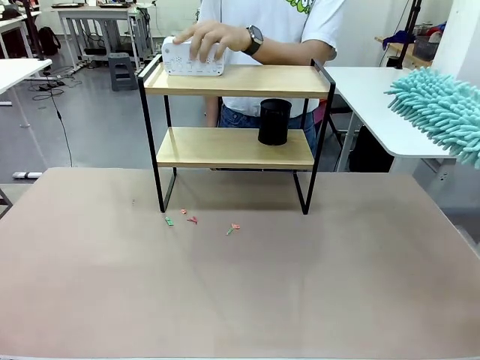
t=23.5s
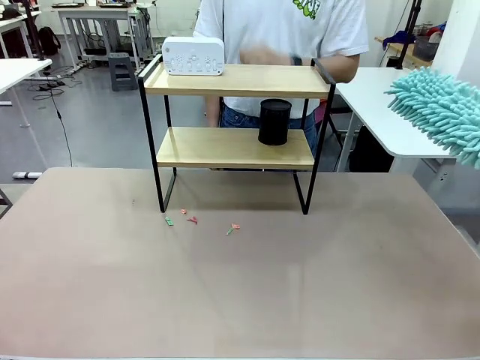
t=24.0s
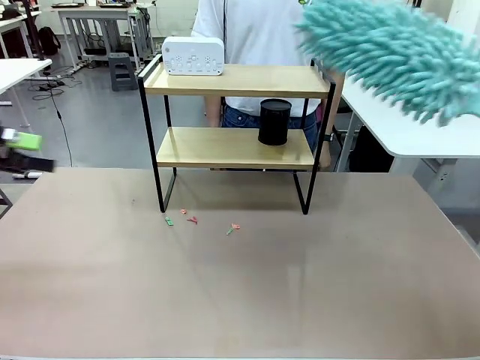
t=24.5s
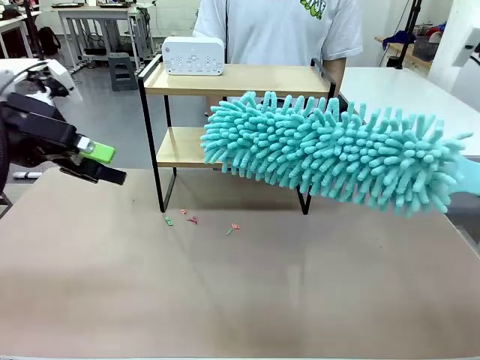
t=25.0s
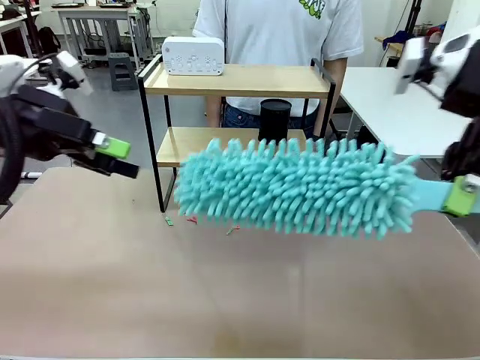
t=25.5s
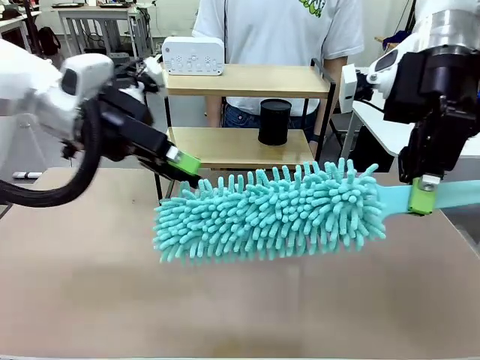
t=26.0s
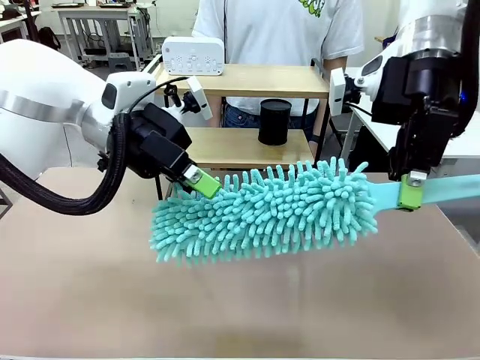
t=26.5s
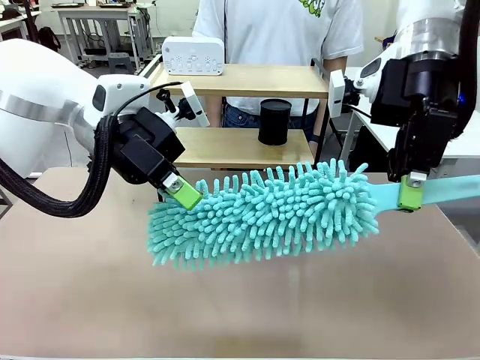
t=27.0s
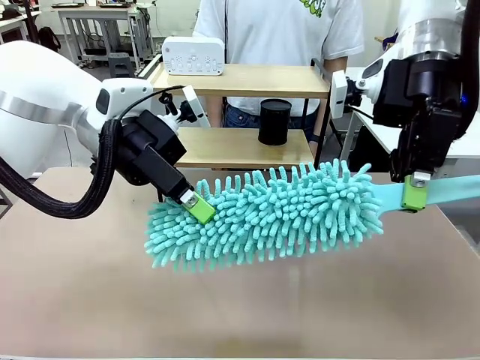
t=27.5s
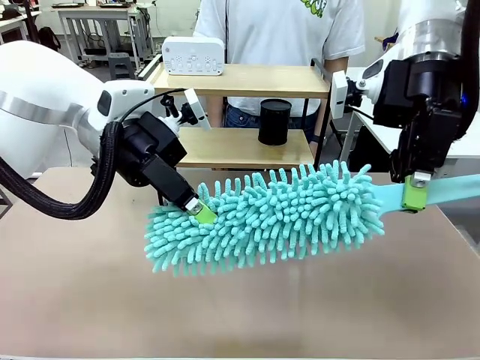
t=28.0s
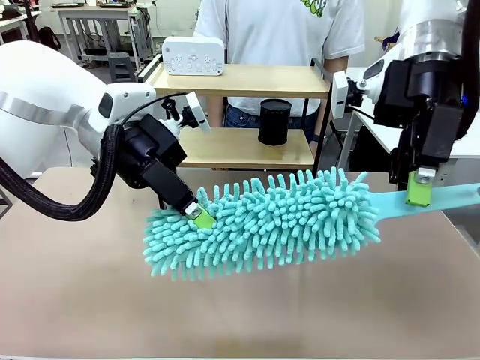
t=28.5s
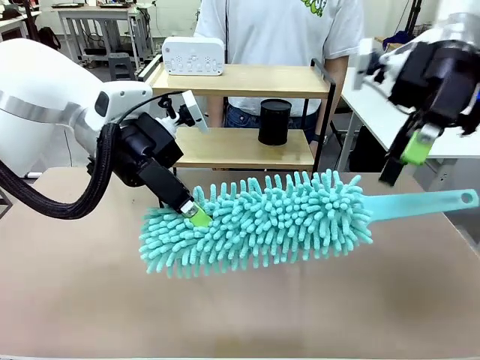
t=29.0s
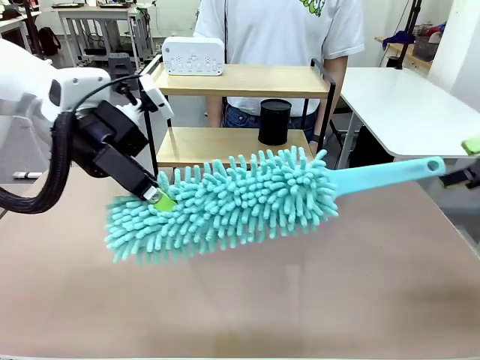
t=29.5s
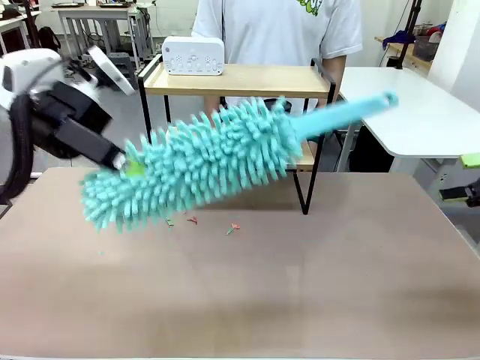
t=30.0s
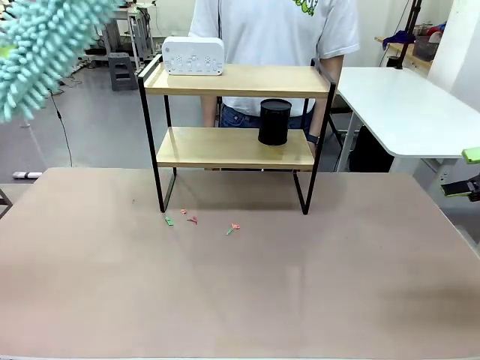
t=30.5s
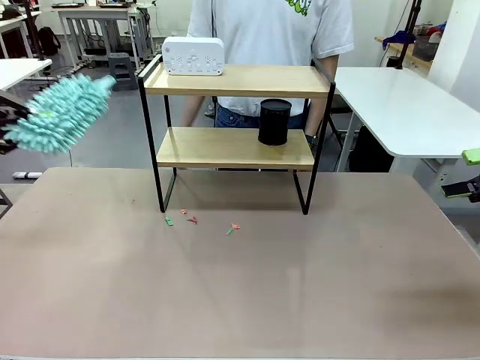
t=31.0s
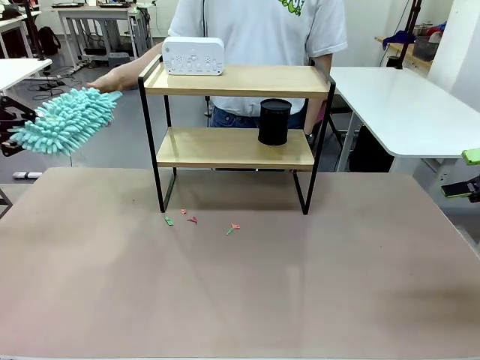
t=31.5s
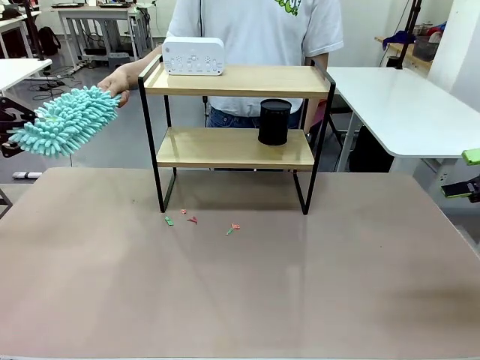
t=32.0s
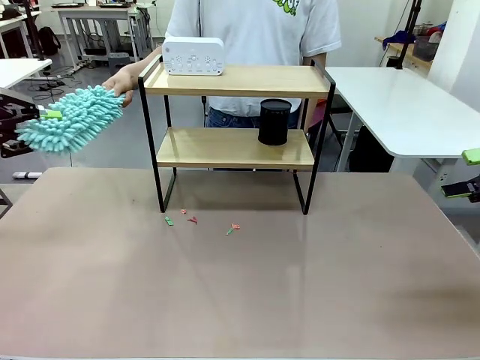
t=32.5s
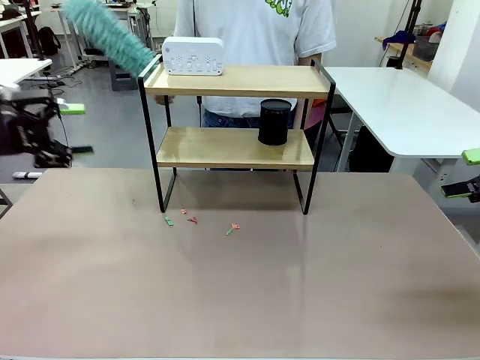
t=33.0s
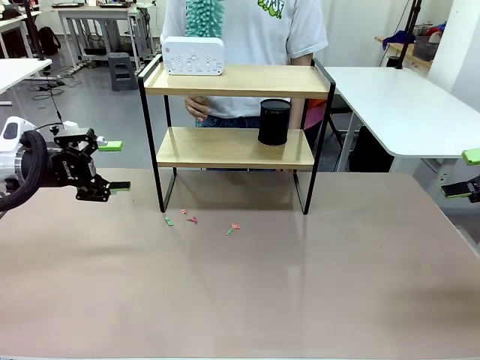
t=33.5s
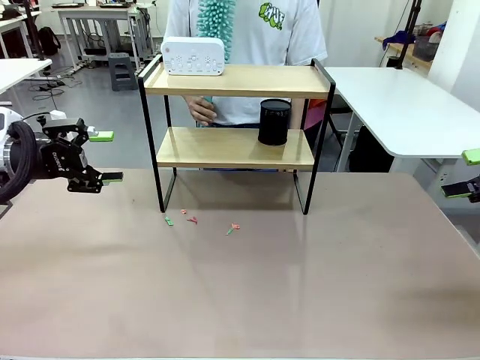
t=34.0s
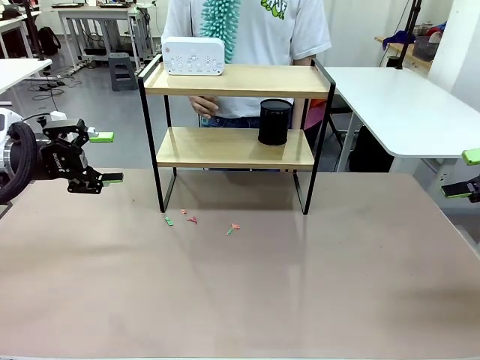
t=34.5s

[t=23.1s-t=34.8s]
Task: Clean the shelf.
Robot: Hand the Duster back to the human.
Person: Receive the Duster from the robot.

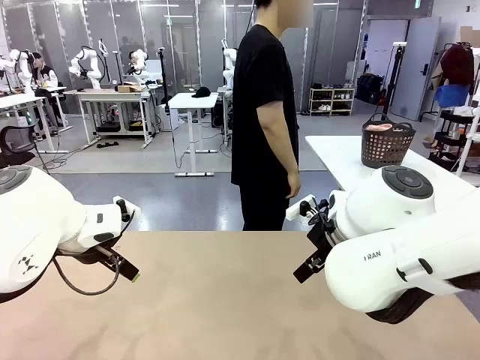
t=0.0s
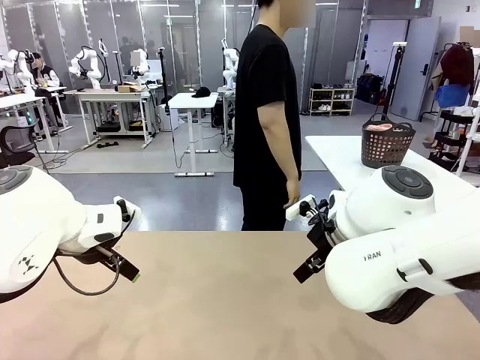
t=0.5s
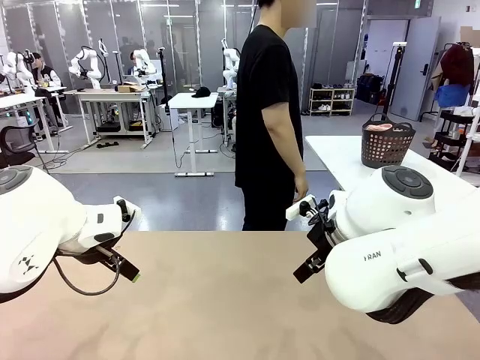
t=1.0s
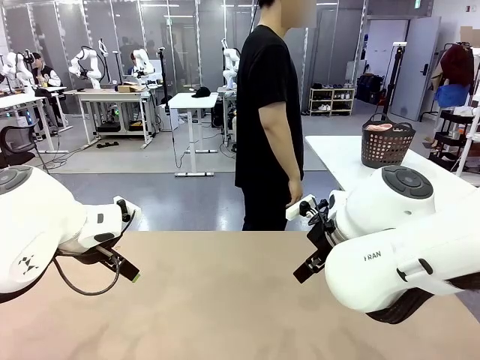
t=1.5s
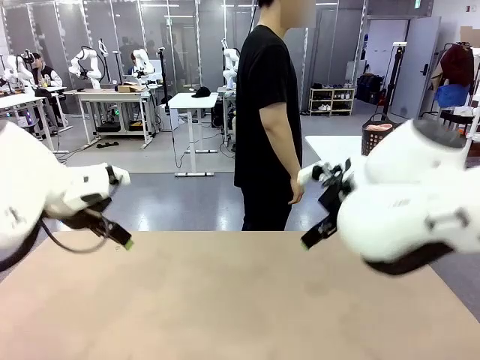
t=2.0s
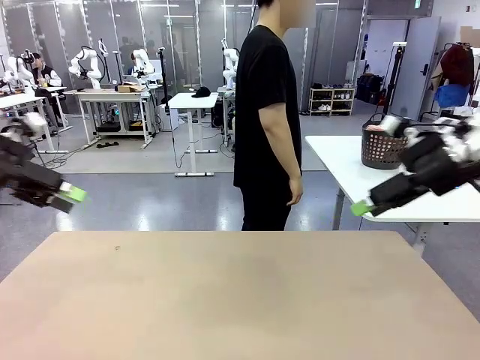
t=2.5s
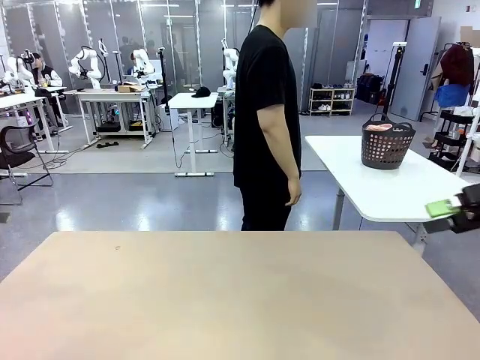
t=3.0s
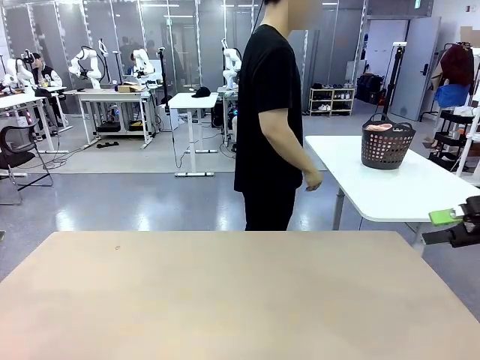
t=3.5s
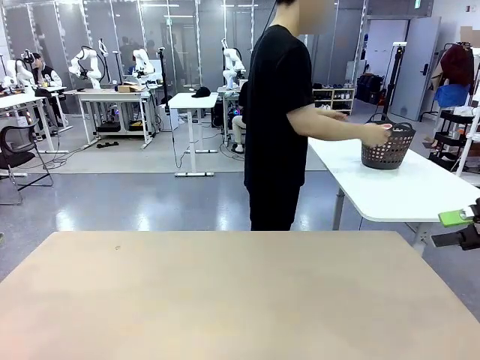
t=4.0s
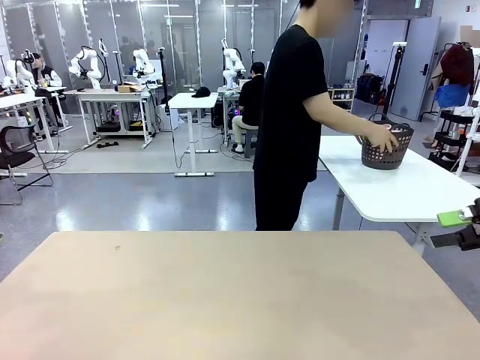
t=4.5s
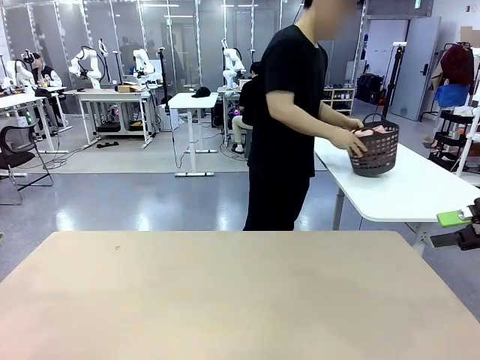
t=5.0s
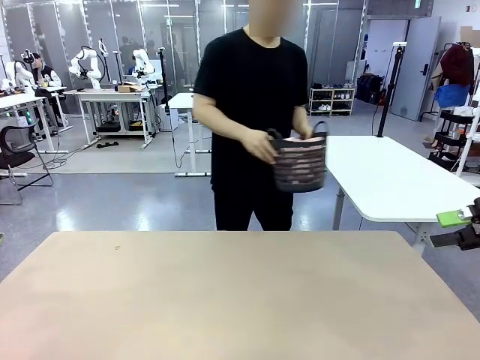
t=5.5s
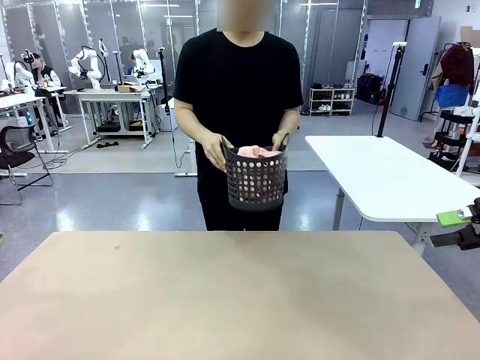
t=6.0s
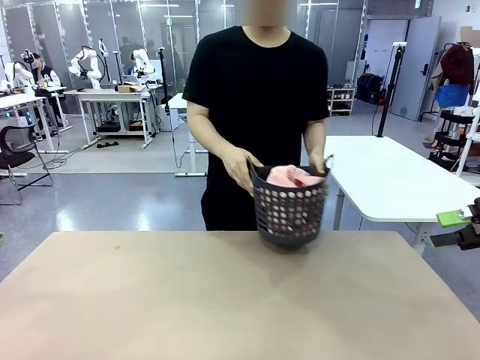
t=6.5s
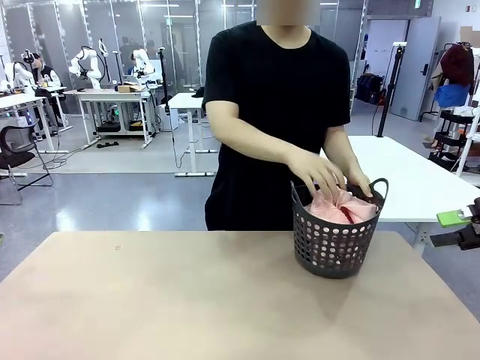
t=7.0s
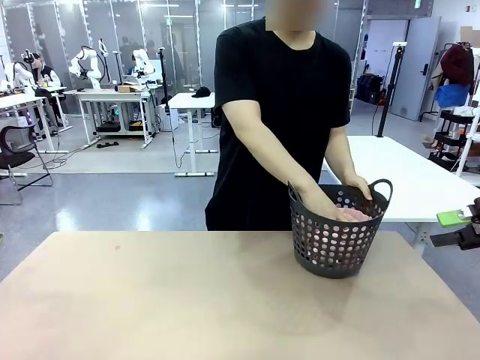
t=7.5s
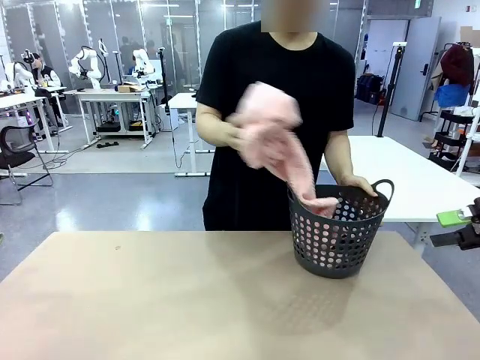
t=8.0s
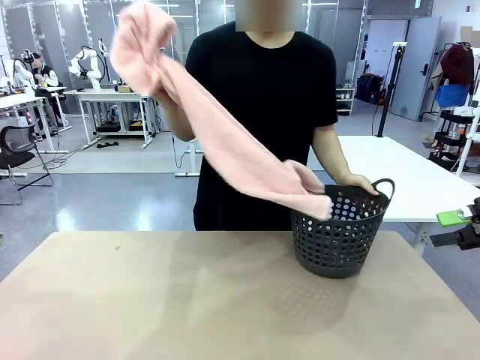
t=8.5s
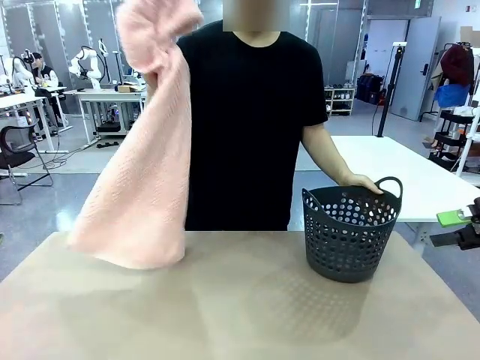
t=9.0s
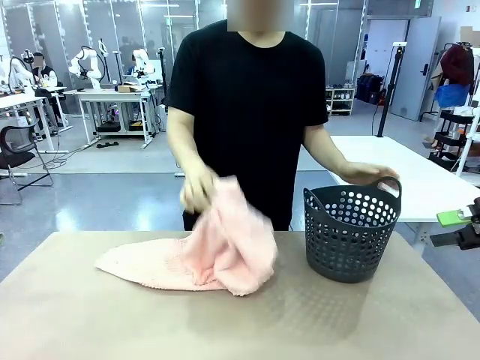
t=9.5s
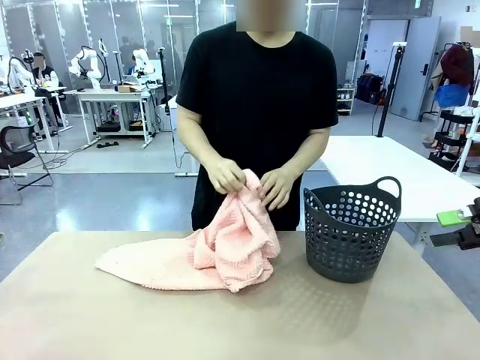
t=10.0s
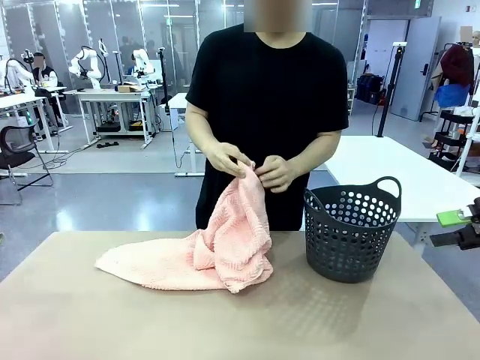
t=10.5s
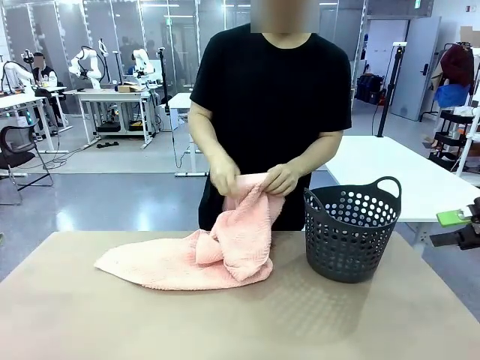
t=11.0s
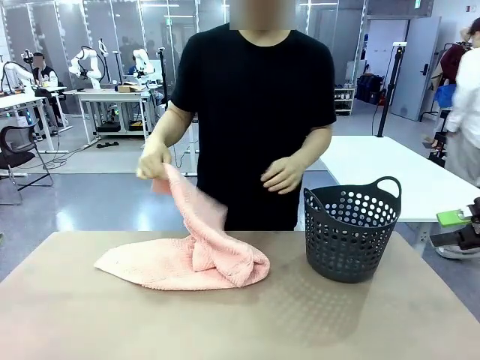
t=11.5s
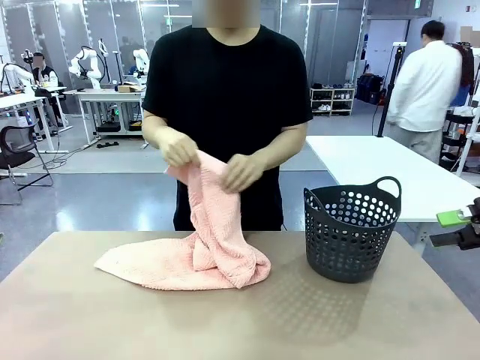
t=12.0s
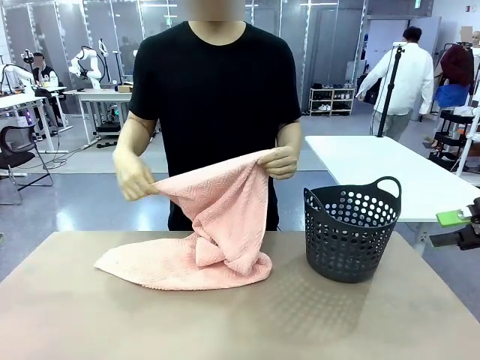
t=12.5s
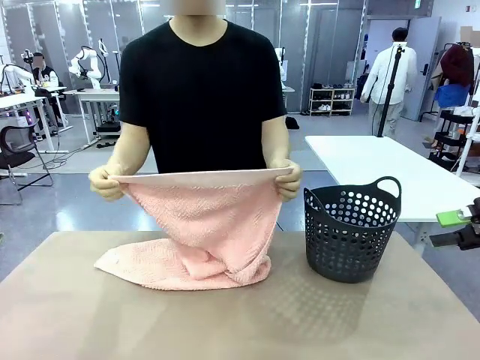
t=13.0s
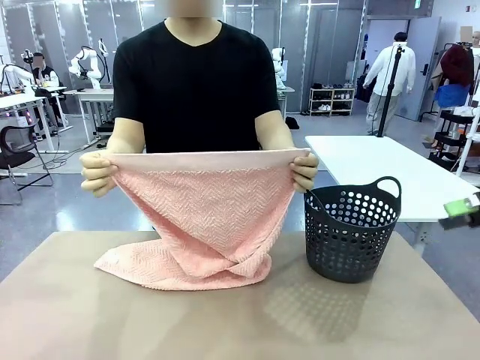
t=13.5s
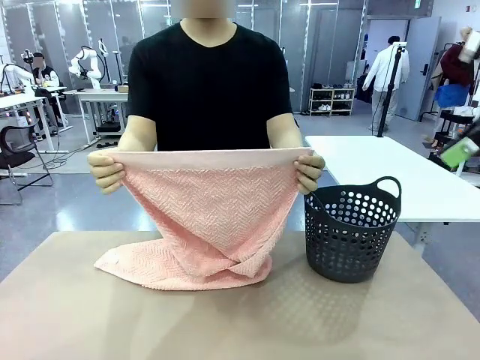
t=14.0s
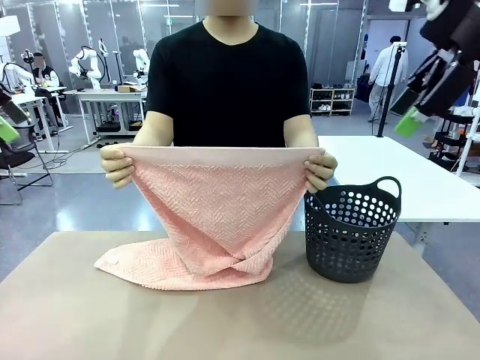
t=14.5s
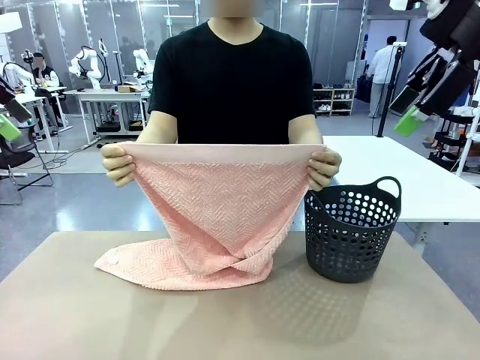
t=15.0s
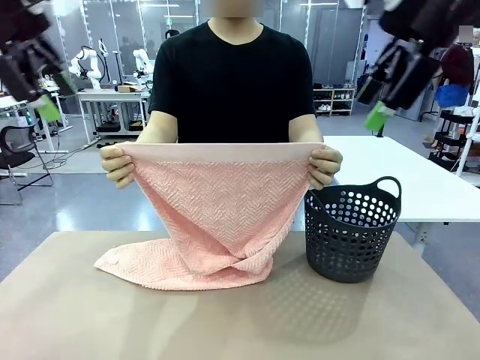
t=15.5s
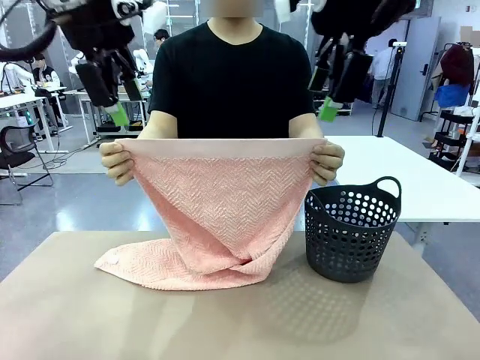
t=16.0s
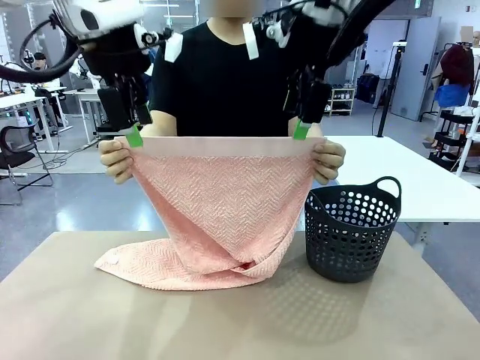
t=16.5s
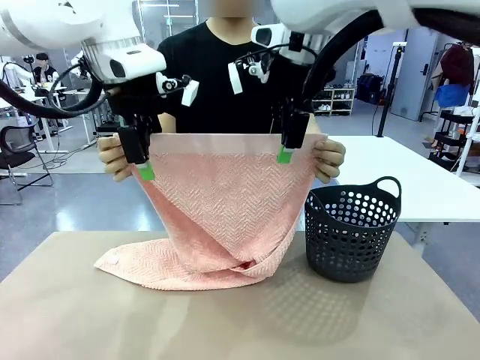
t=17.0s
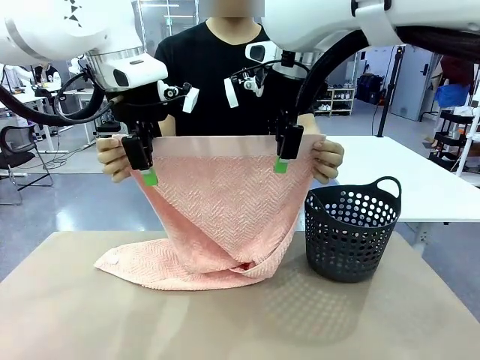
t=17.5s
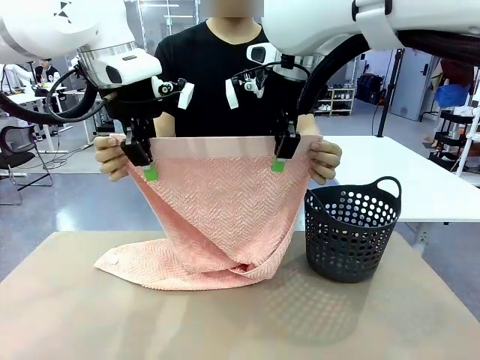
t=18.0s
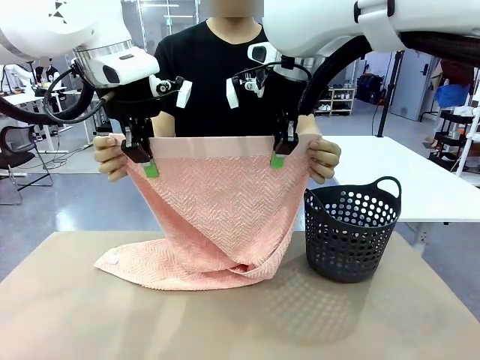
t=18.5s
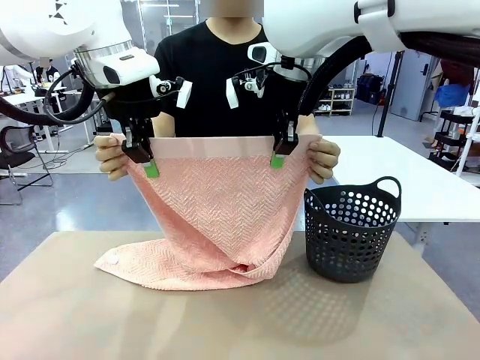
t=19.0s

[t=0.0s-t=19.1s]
Task: Fold the towel.
Robot: Grab the top end of the 100 cm Hotel Towel extended by the human.
Person: Pick up the laundry basket, place it on the left side of the robot table, then take out a towel and hand it to the robot while holding both corners of one end.
